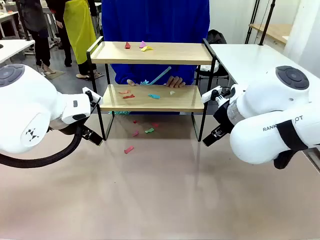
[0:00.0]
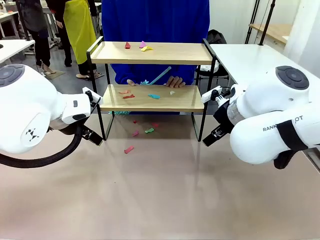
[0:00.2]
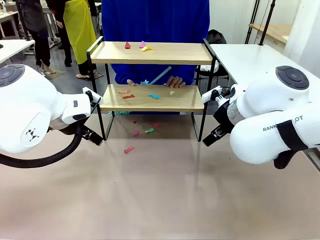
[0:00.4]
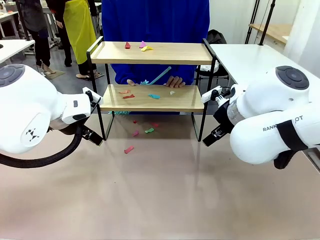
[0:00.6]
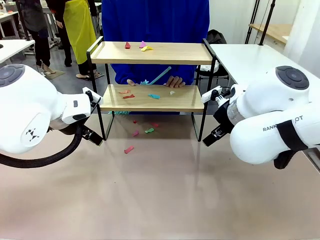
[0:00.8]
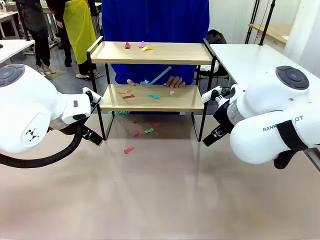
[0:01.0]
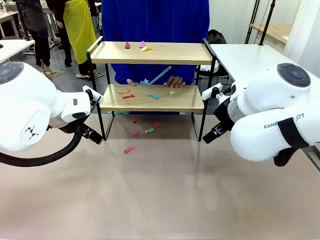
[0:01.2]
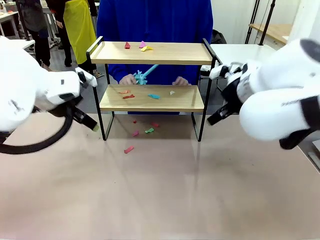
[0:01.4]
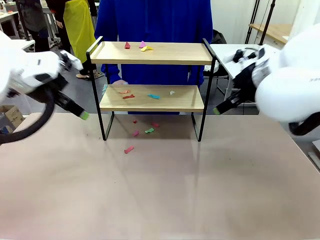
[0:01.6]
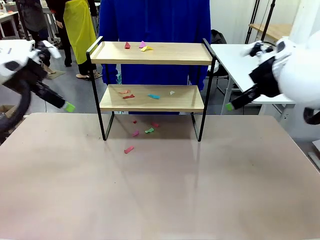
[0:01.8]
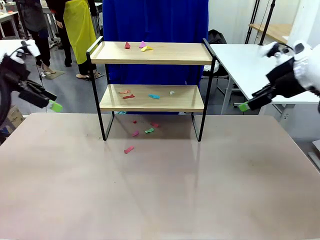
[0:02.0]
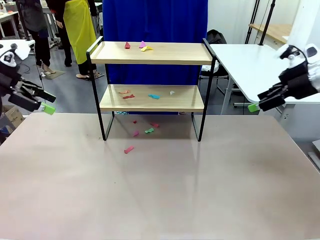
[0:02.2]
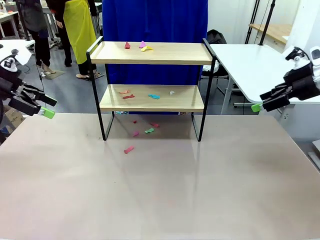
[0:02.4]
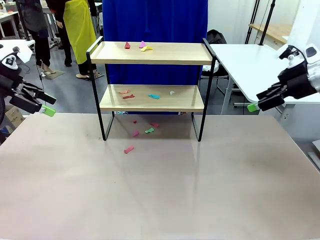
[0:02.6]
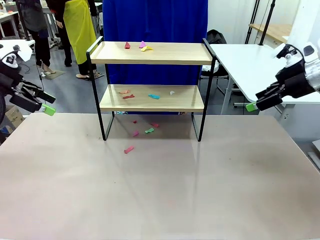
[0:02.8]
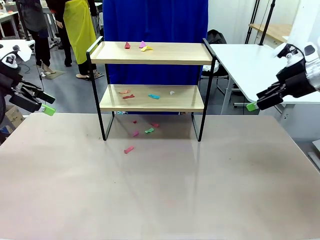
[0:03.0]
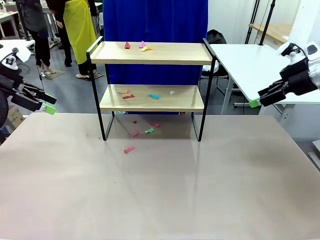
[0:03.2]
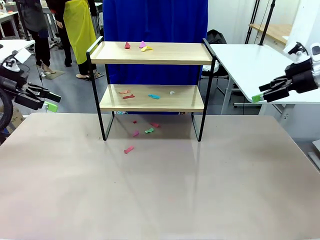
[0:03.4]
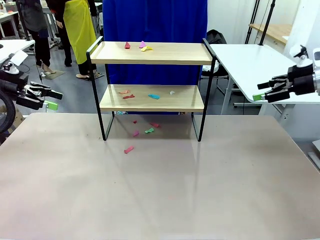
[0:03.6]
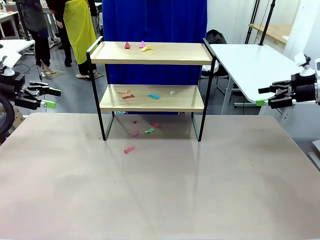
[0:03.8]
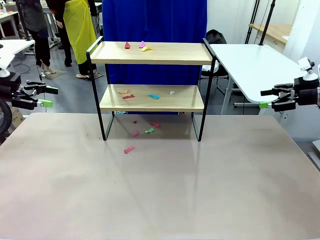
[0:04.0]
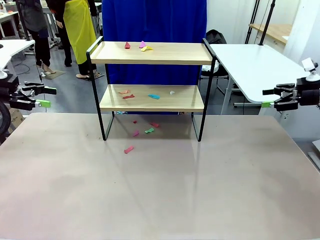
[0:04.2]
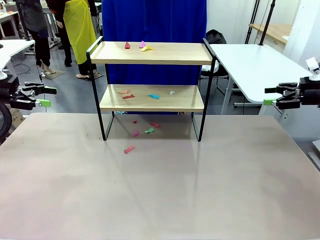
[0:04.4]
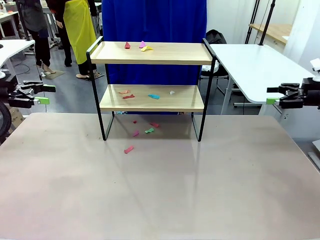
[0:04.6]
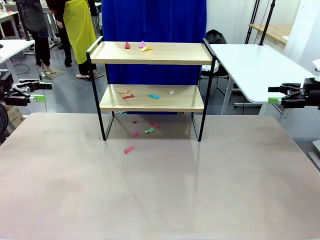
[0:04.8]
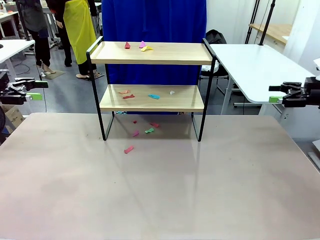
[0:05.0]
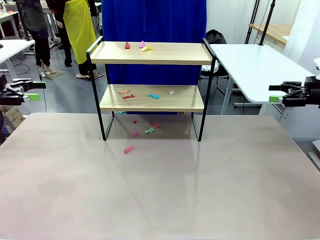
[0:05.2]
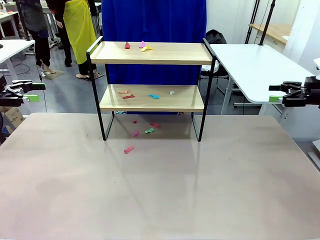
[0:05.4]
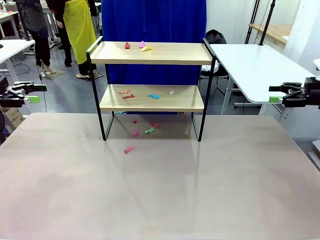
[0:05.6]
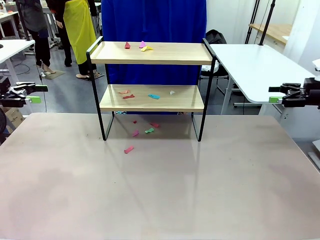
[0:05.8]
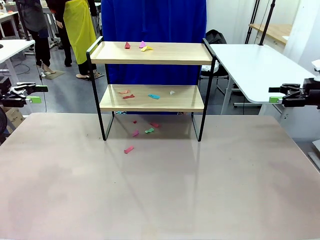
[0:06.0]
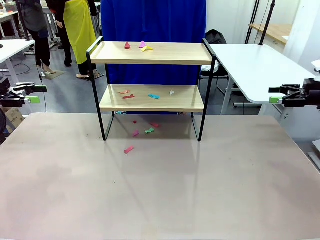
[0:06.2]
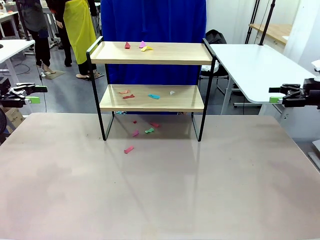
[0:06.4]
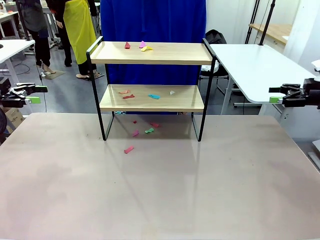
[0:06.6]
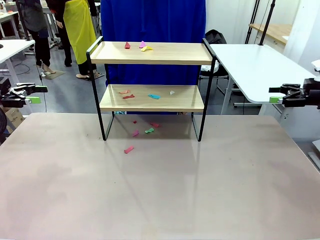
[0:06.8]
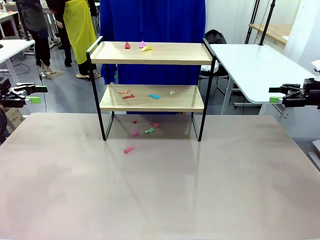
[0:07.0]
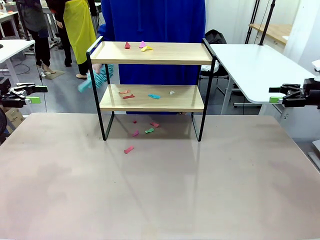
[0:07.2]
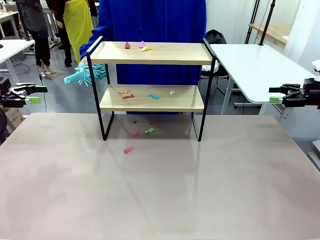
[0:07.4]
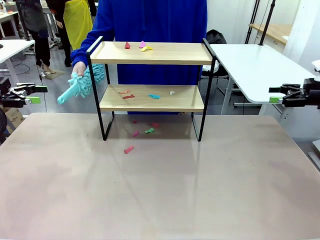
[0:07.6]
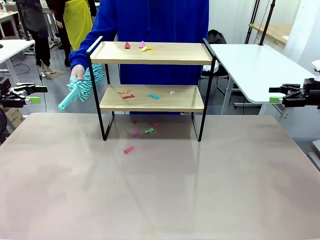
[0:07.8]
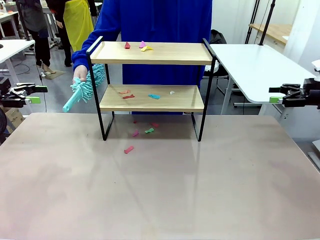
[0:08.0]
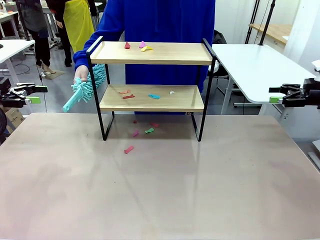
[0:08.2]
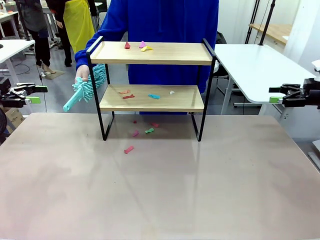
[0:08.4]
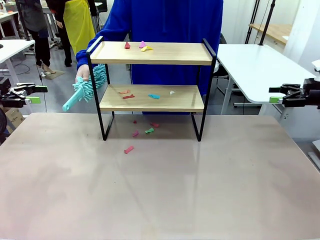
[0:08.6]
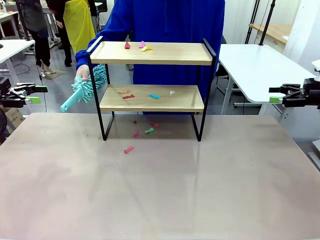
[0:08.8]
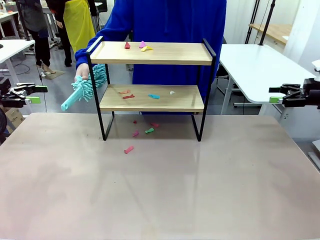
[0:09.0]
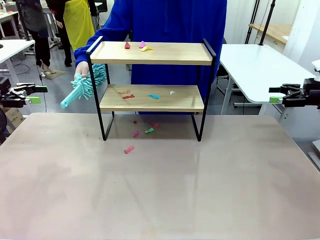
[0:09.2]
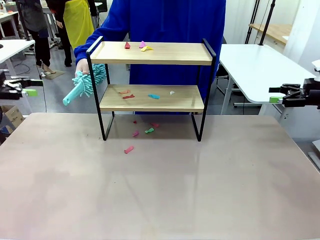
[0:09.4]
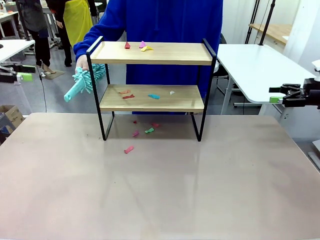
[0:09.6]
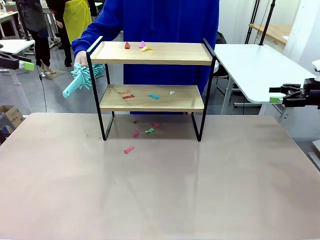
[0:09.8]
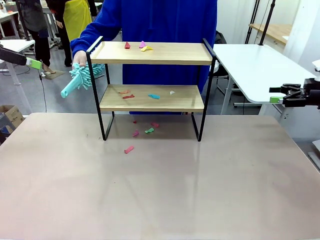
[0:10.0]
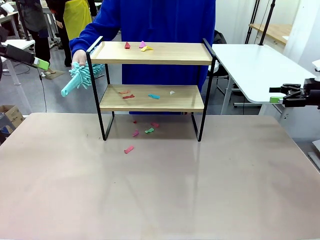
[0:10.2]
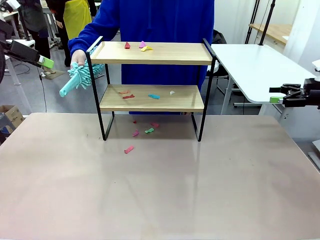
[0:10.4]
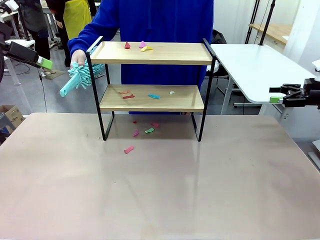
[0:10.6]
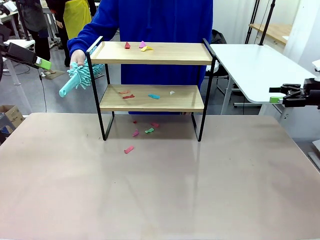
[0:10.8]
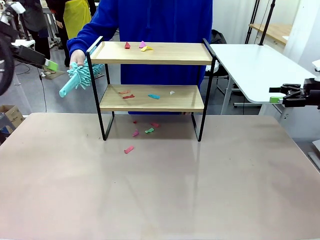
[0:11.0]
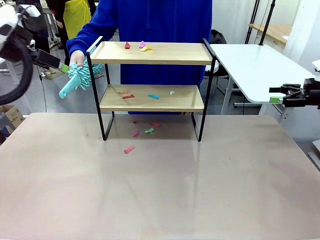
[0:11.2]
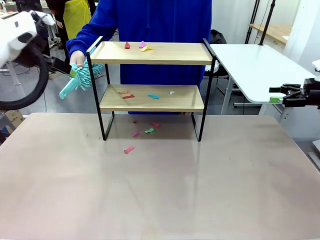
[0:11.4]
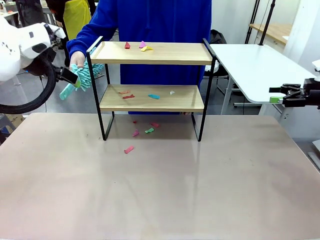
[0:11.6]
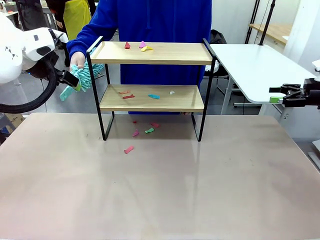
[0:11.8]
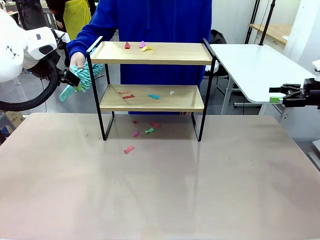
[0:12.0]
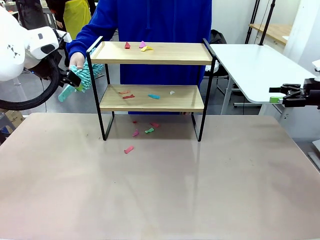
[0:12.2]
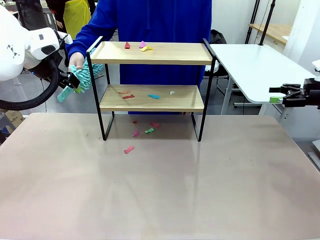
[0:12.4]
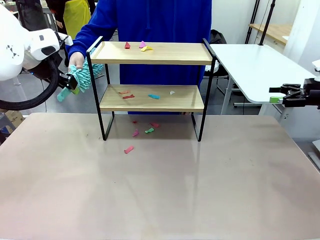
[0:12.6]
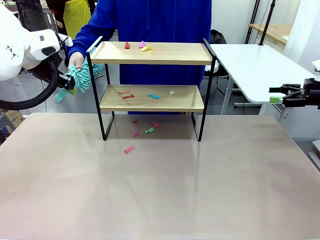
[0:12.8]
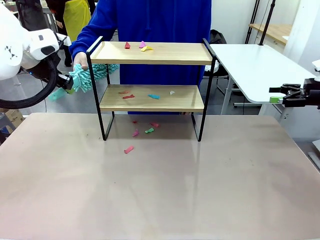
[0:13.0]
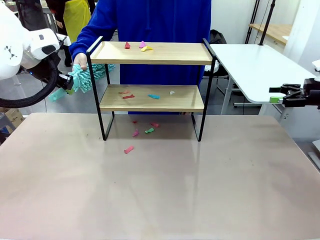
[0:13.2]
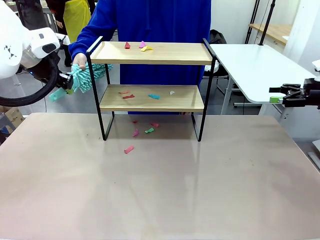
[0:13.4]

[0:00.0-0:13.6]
Task: Clean the shelf.
Robot: Pick up the Duster handed by the human.
Person: Hand the Duster to the robot.
